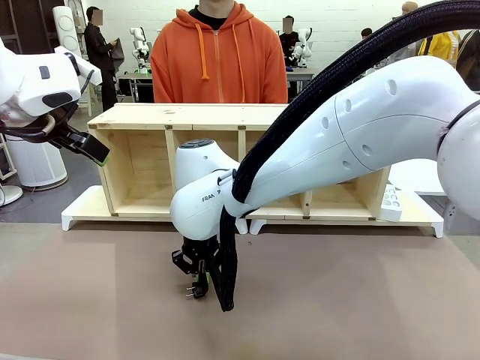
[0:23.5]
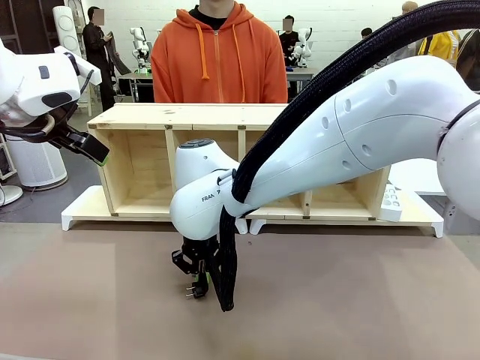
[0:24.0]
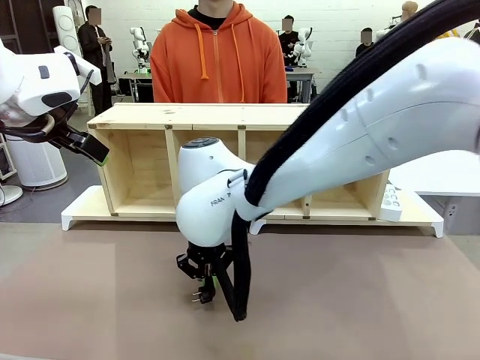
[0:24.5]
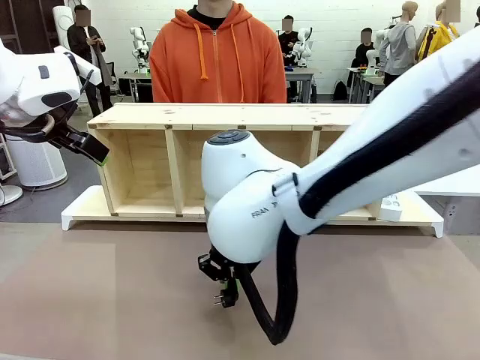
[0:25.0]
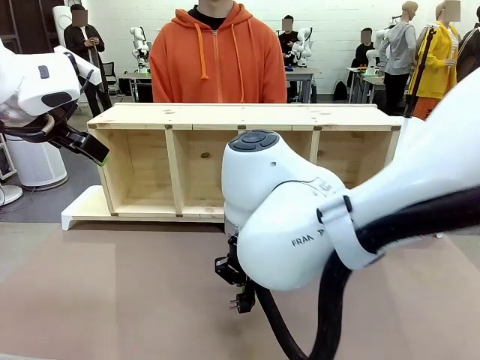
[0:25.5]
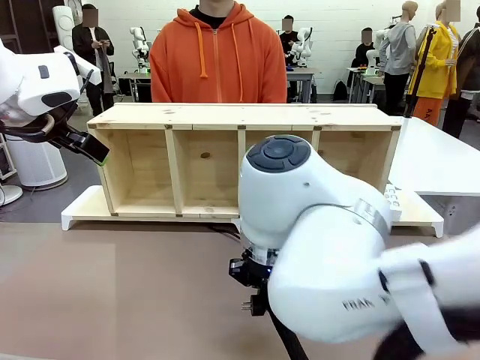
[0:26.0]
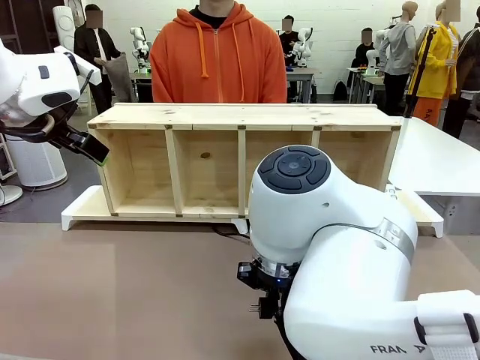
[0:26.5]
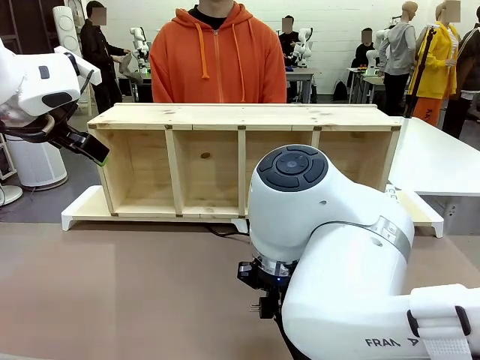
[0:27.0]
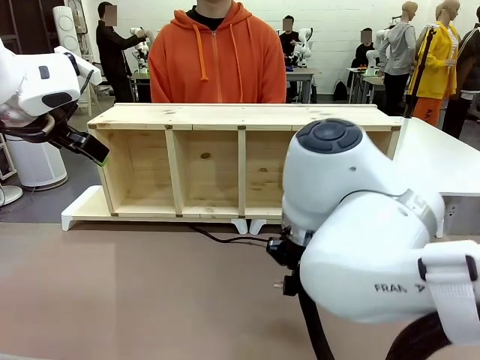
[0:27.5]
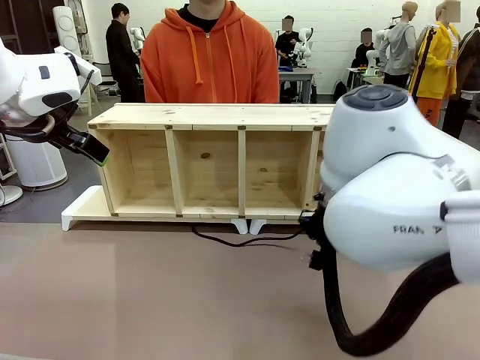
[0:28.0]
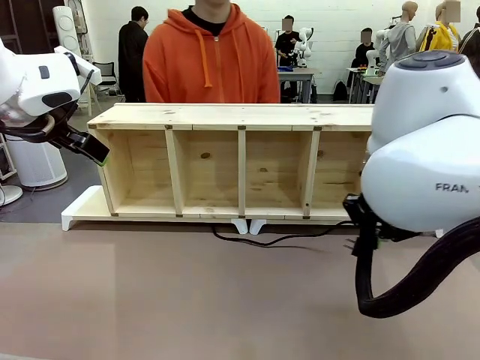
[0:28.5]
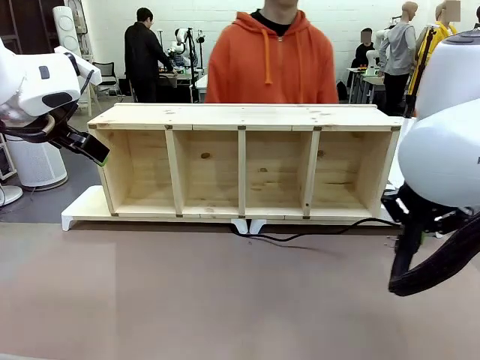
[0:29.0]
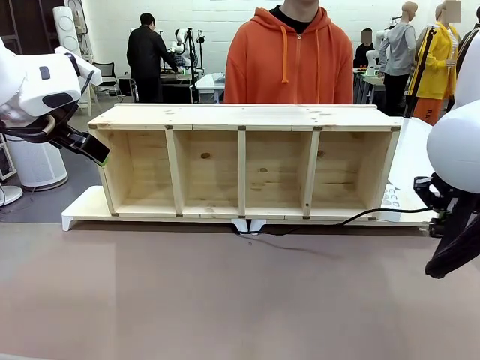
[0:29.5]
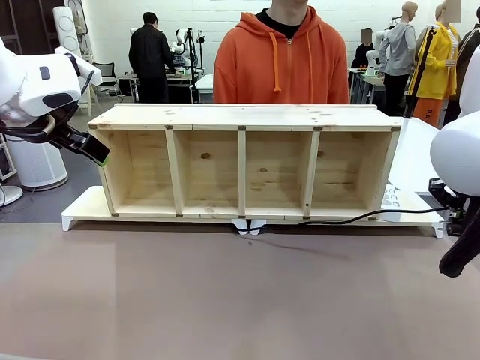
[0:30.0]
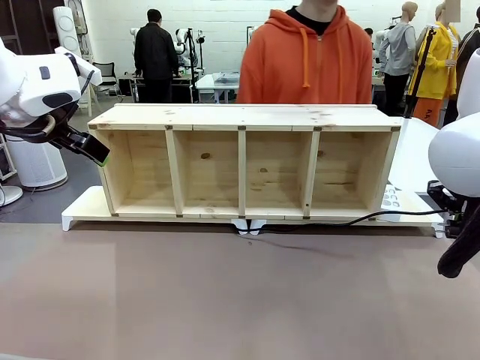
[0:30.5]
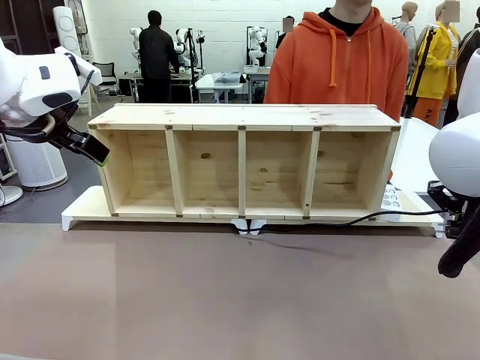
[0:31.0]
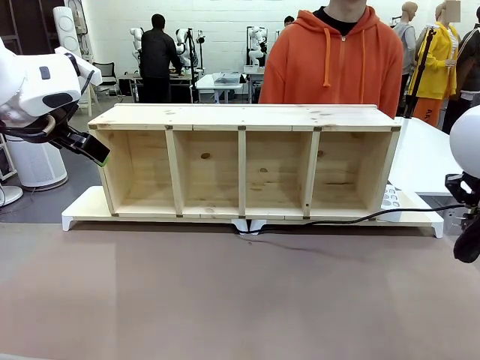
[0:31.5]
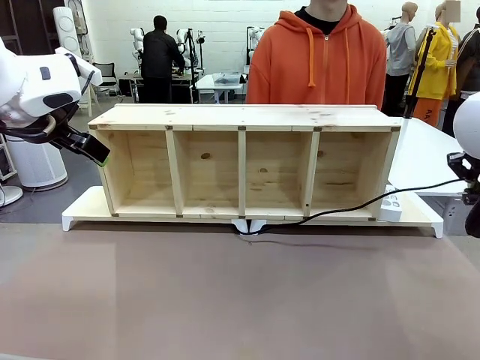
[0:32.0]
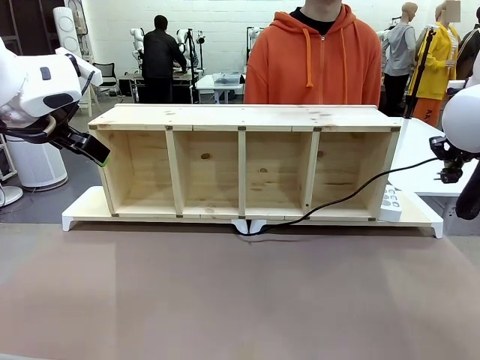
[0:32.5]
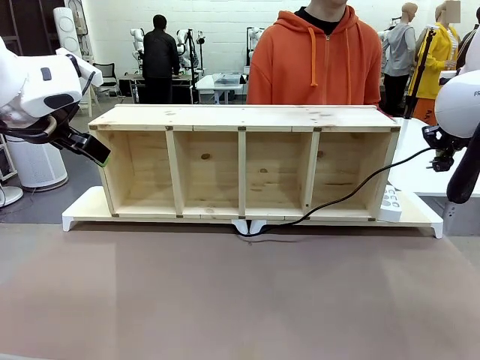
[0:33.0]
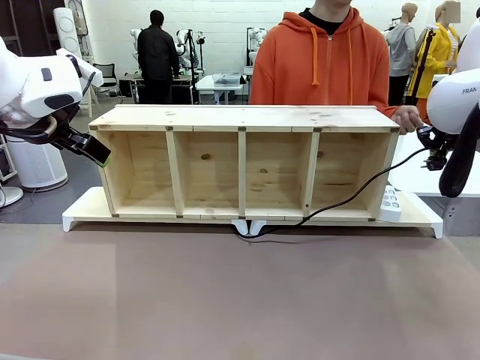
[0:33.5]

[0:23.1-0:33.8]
Task: Perform cable management.
Robot: Pull the grasped Power Cable to the location of the Power Strip.

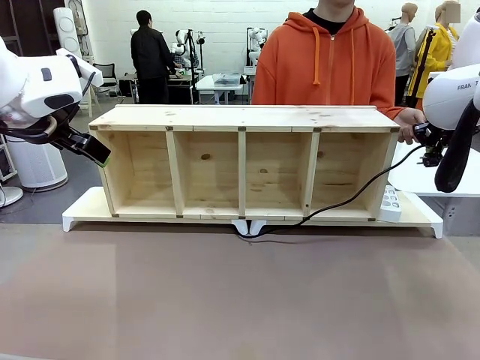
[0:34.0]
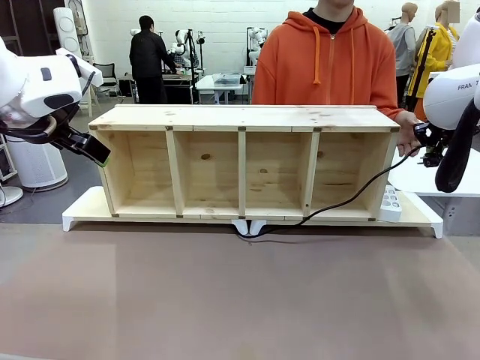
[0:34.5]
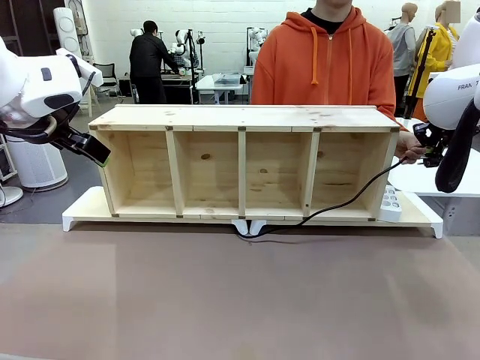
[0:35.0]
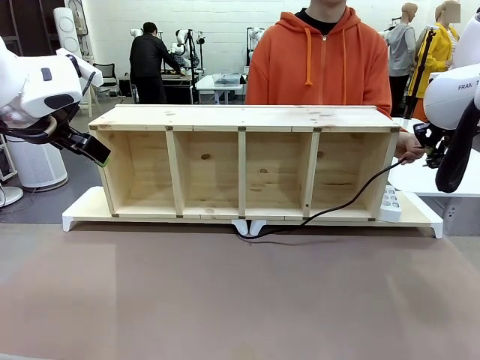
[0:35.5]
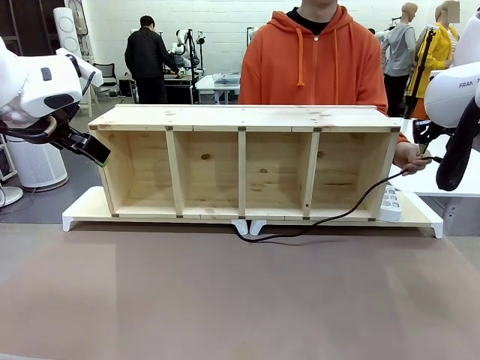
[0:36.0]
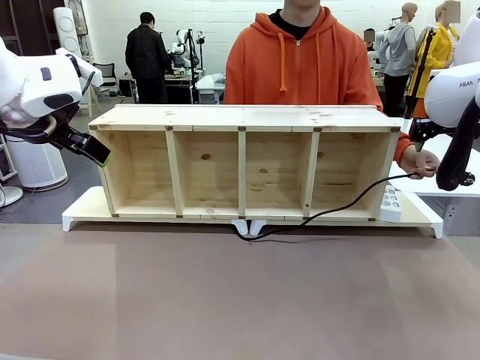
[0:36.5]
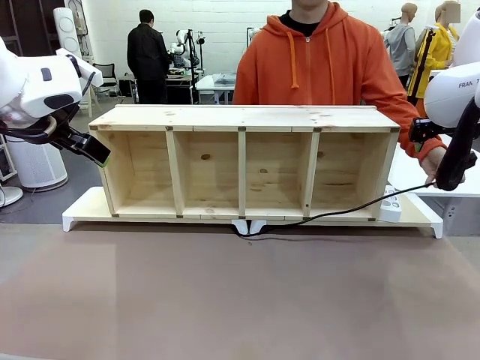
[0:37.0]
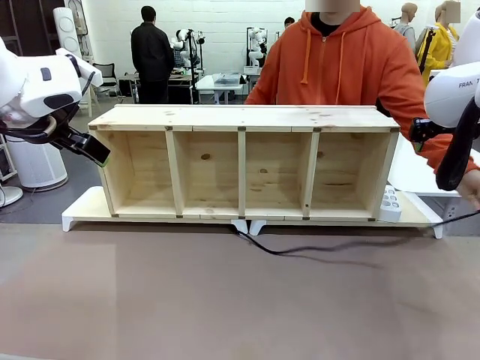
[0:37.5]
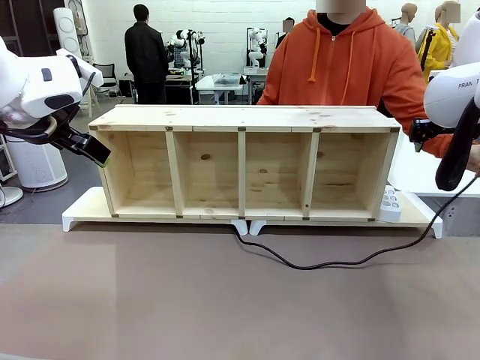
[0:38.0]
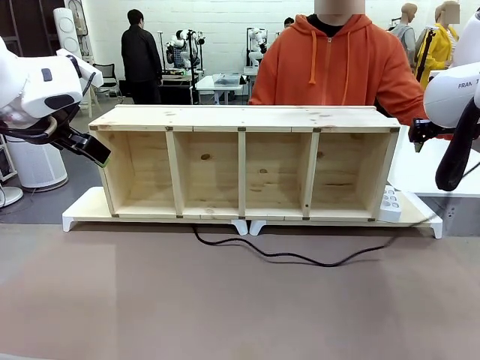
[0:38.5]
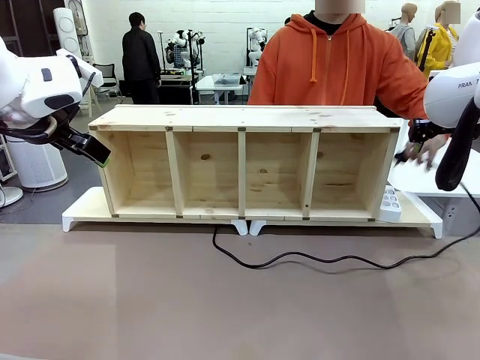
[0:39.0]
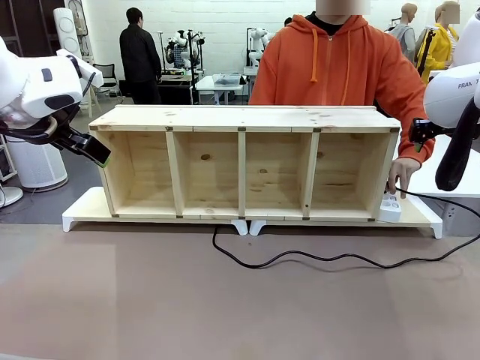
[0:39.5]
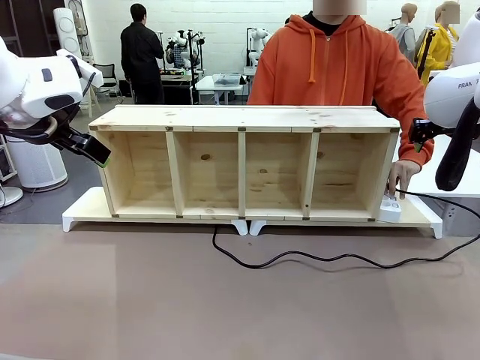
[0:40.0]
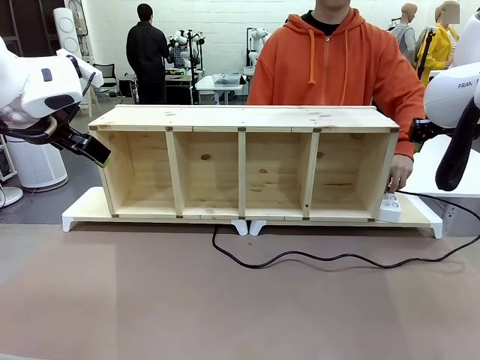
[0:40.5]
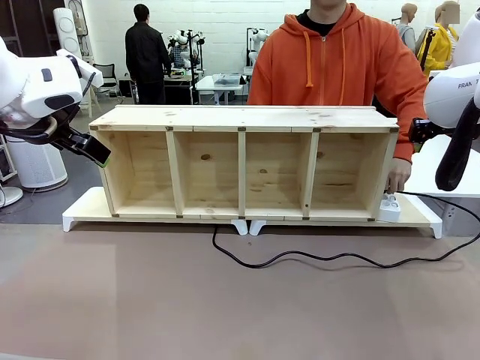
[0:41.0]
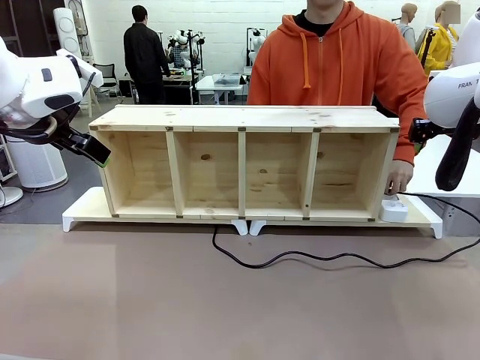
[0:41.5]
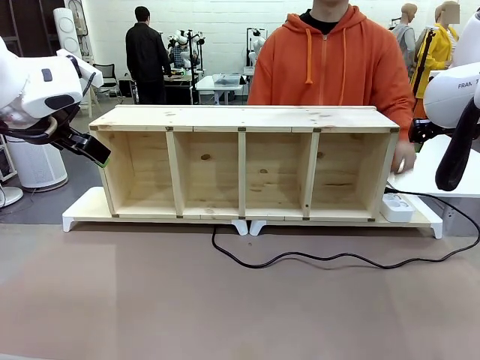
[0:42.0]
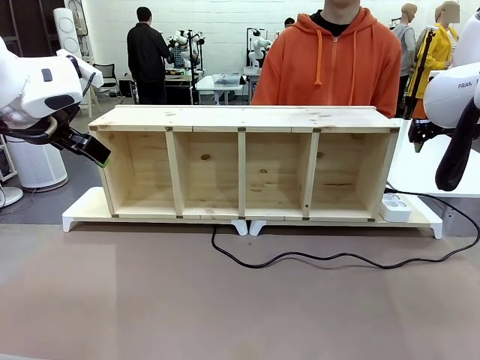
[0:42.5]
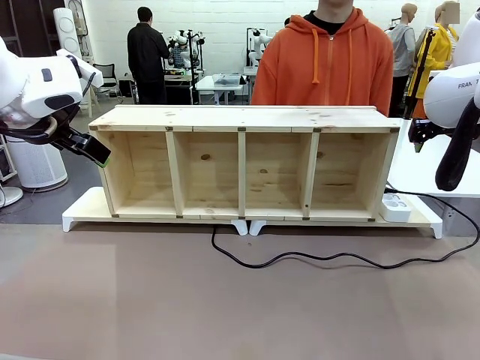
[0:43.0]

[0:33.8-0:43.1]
Robot: Release the Power Cable when the human grasps it.
Person: Plug the Power Cable into the Power Strip.

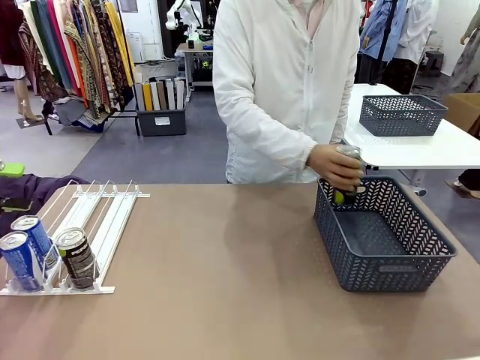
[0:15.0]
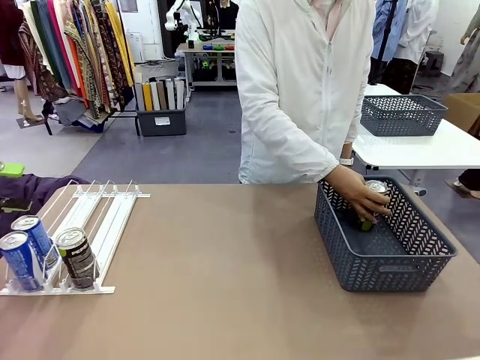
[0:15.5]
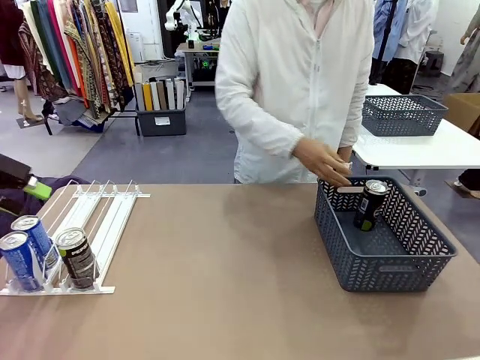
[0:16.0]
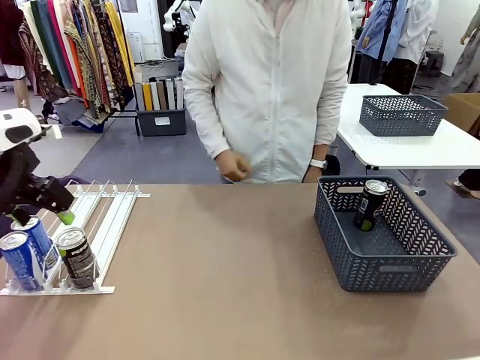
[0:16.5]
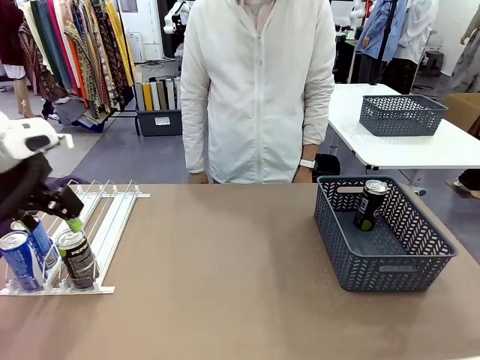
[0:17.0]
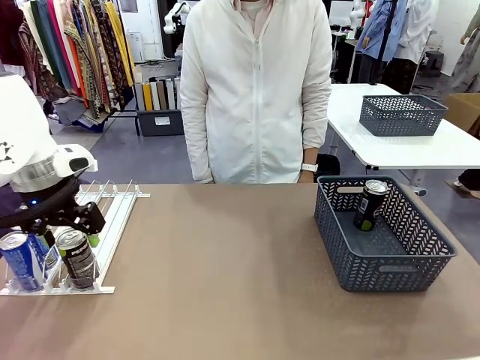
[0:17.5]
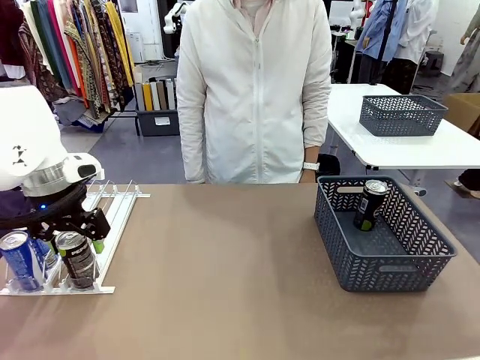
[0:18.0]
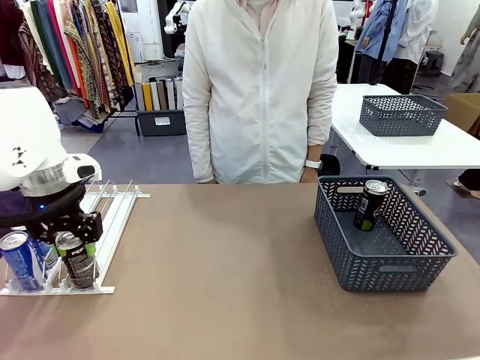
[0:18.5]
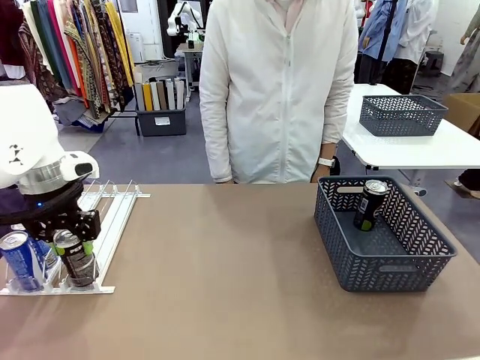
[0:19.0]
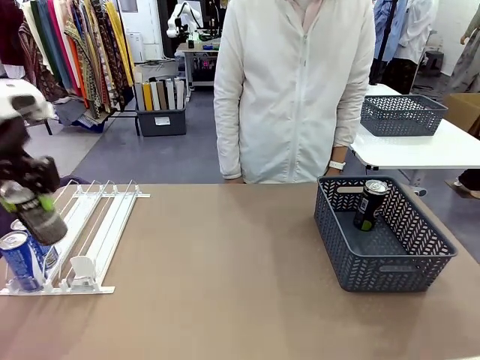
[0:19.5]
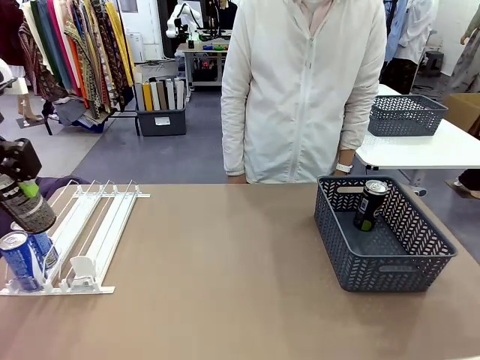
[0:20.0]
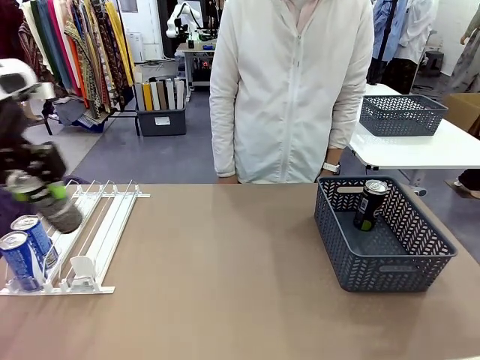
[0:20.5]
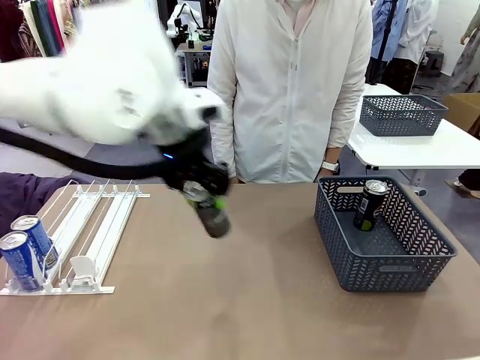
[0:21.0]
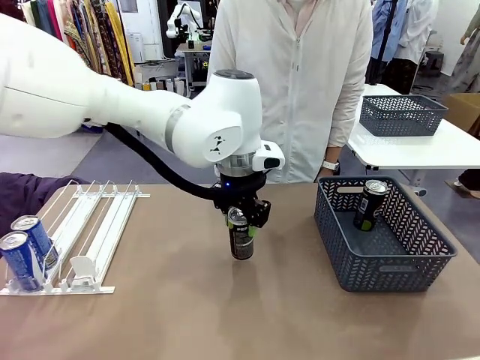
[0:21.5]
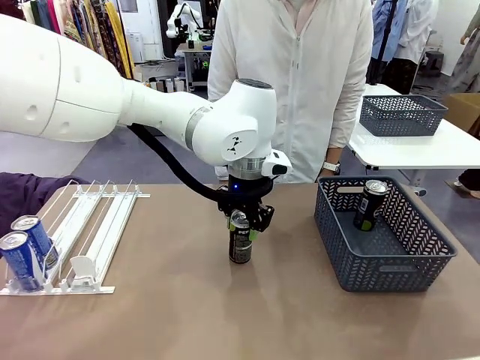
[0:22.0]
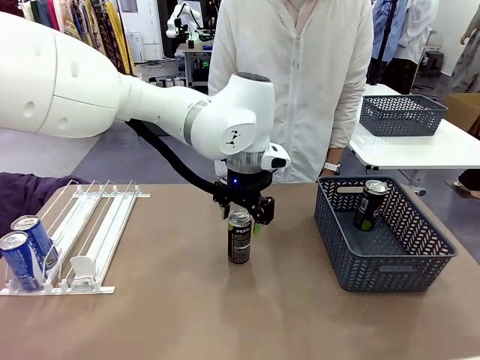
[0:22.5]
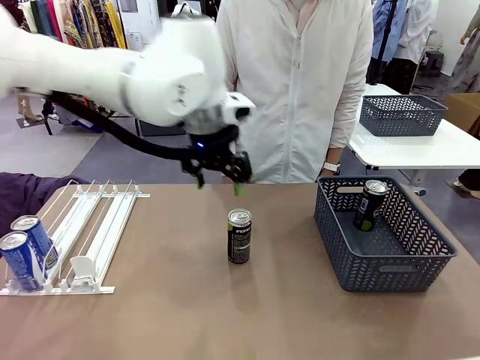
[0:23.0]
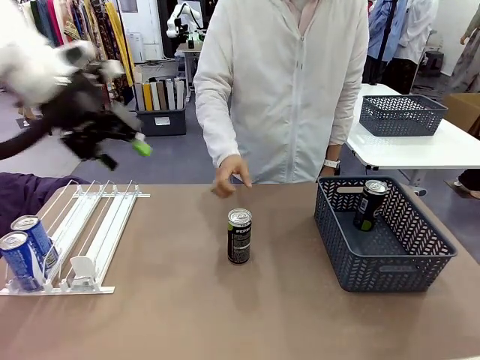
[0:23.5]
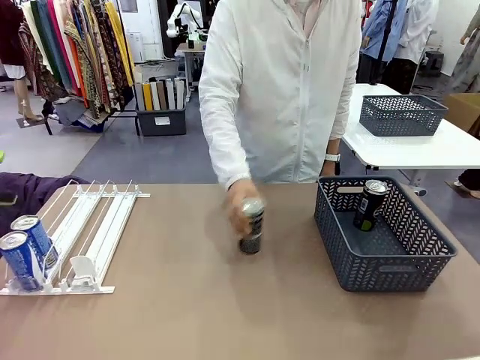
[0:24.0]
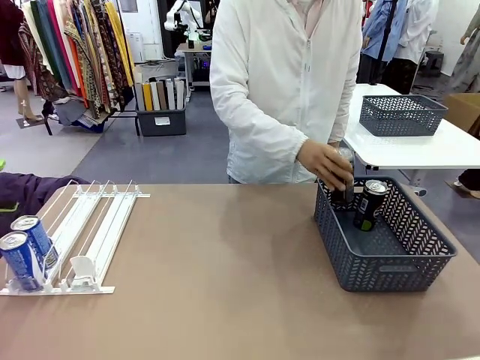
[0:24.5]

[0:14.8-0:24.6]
Task: Retrieve and store the cans from the dispenser.
Robot: Pick up the last remaining can from one row of the Automatic Can Dispenser and place it in the middle of the table.
